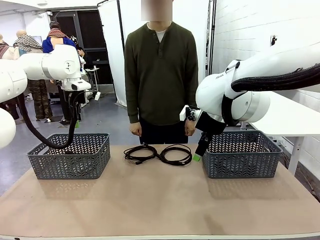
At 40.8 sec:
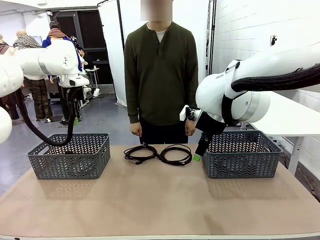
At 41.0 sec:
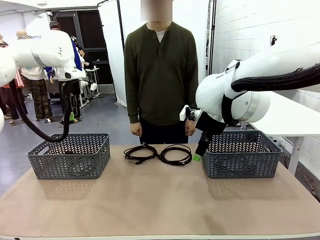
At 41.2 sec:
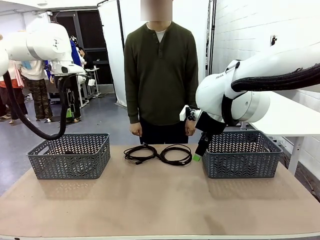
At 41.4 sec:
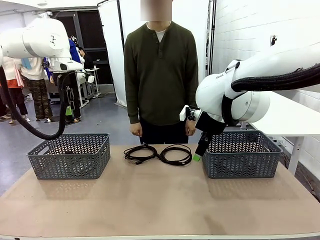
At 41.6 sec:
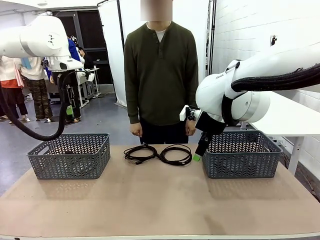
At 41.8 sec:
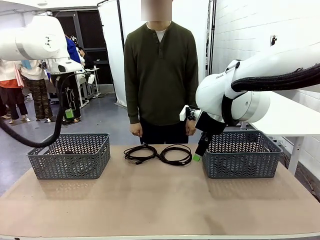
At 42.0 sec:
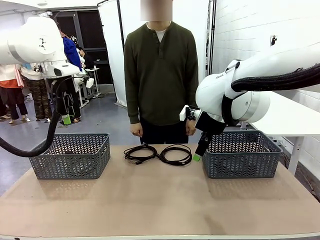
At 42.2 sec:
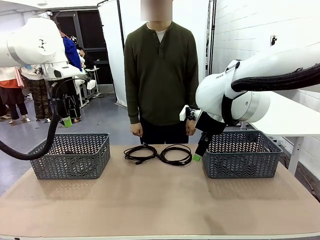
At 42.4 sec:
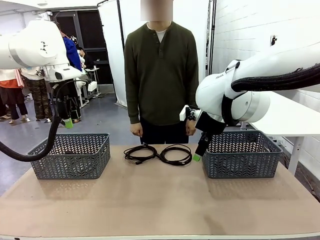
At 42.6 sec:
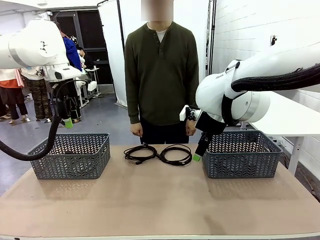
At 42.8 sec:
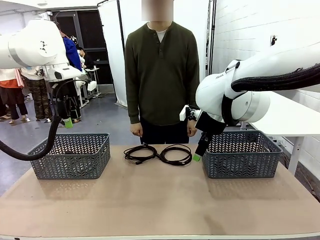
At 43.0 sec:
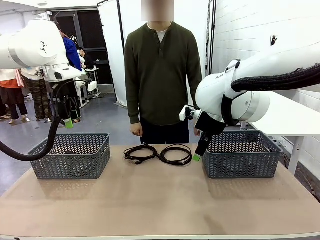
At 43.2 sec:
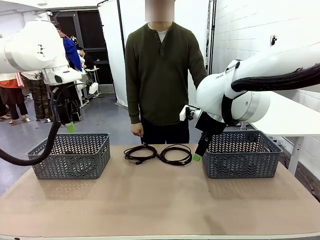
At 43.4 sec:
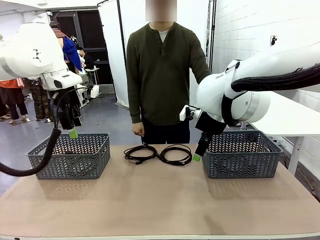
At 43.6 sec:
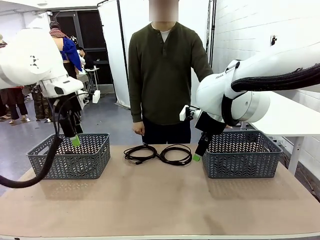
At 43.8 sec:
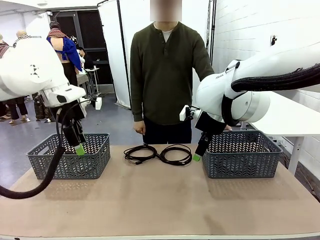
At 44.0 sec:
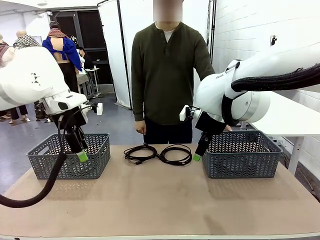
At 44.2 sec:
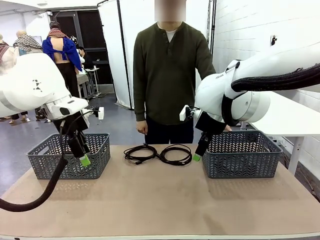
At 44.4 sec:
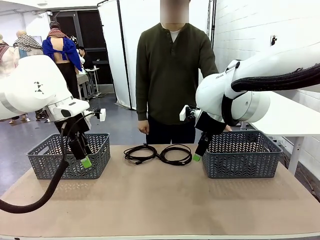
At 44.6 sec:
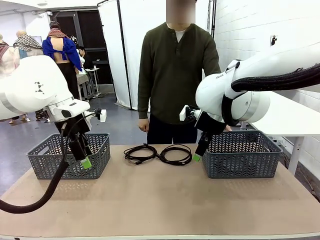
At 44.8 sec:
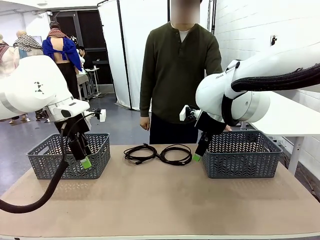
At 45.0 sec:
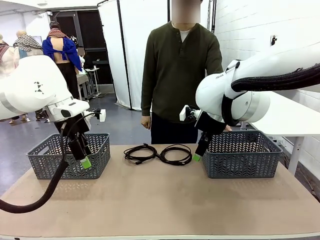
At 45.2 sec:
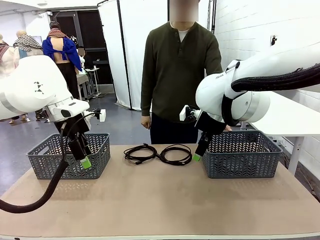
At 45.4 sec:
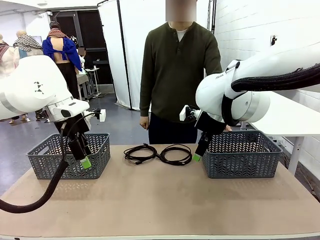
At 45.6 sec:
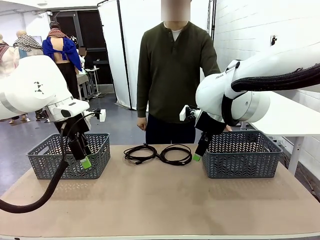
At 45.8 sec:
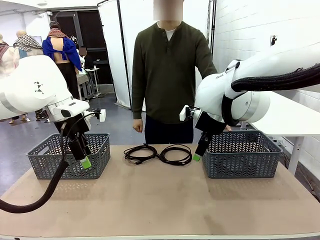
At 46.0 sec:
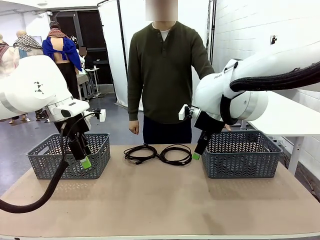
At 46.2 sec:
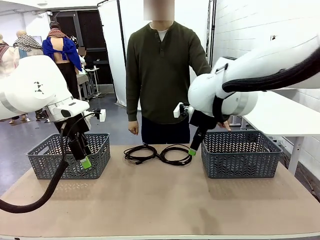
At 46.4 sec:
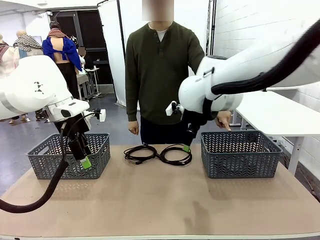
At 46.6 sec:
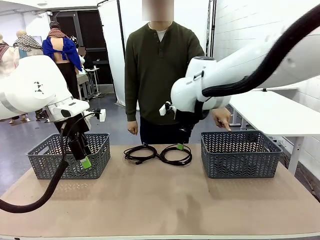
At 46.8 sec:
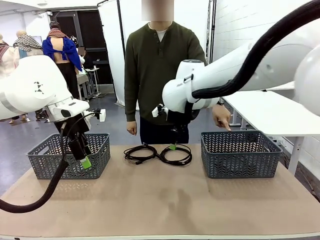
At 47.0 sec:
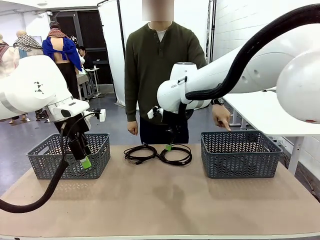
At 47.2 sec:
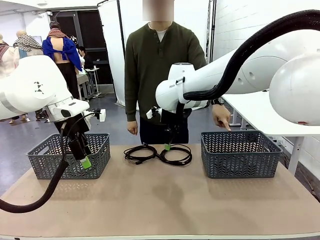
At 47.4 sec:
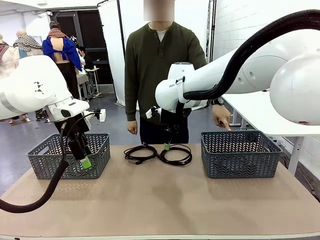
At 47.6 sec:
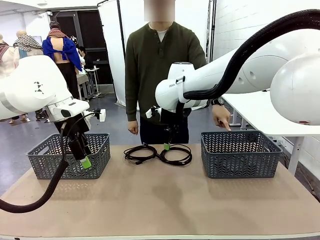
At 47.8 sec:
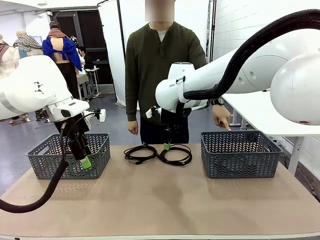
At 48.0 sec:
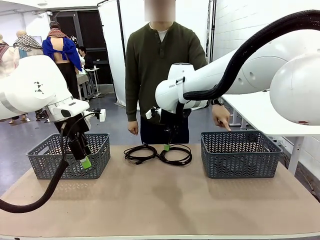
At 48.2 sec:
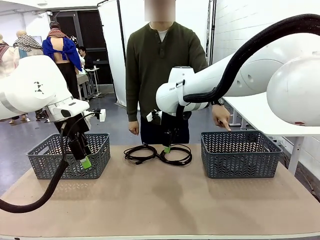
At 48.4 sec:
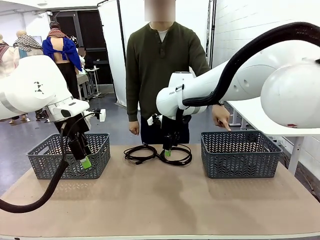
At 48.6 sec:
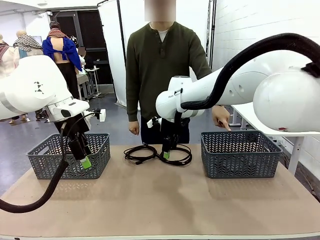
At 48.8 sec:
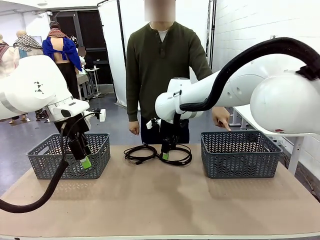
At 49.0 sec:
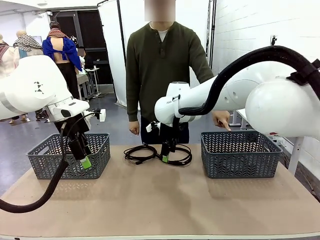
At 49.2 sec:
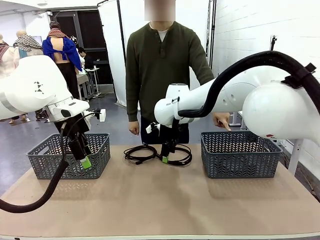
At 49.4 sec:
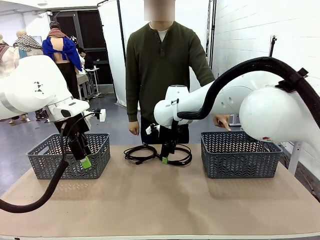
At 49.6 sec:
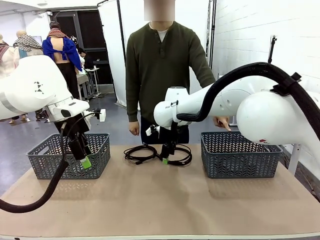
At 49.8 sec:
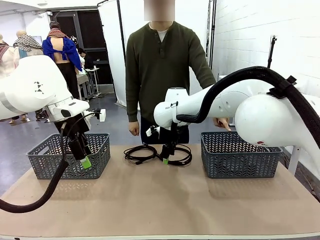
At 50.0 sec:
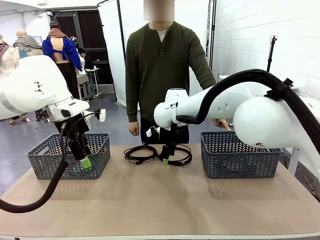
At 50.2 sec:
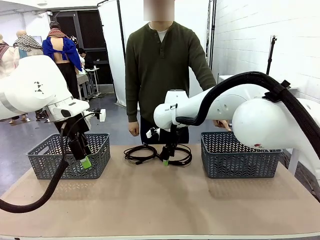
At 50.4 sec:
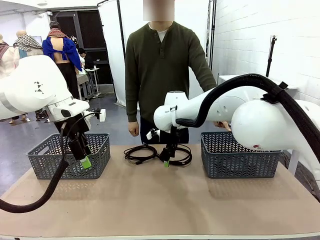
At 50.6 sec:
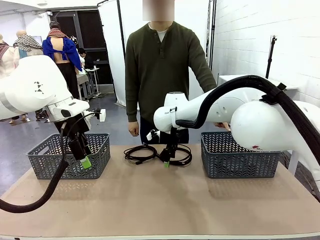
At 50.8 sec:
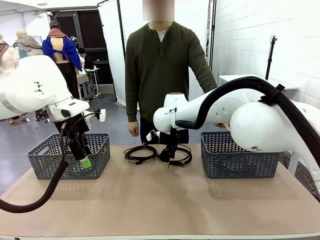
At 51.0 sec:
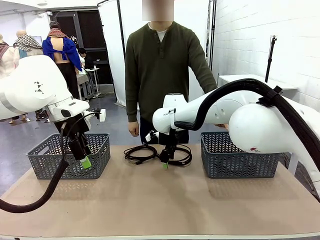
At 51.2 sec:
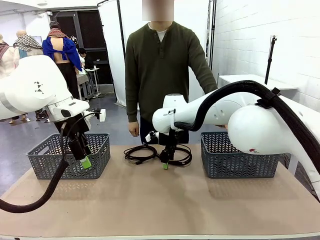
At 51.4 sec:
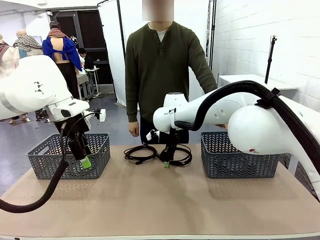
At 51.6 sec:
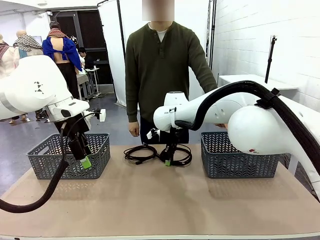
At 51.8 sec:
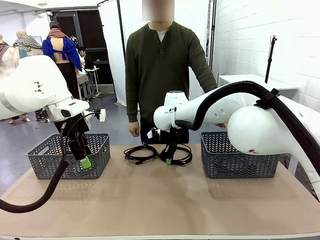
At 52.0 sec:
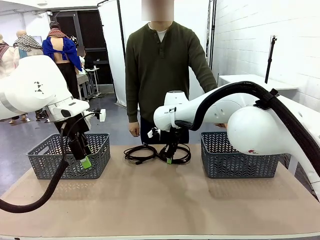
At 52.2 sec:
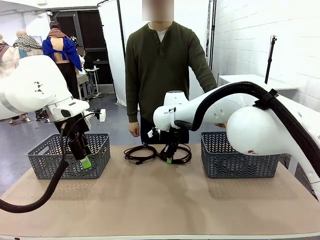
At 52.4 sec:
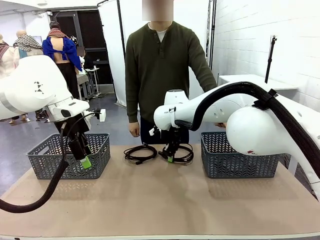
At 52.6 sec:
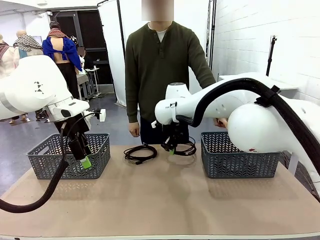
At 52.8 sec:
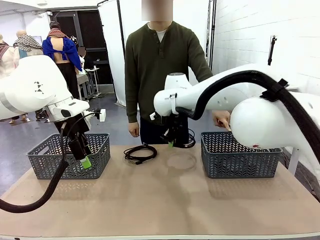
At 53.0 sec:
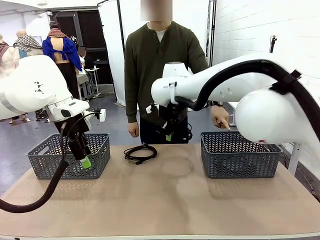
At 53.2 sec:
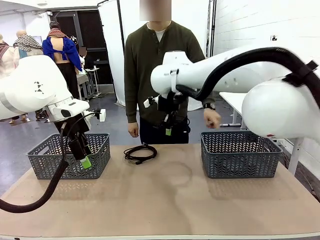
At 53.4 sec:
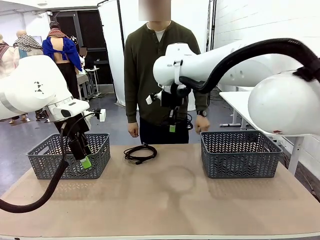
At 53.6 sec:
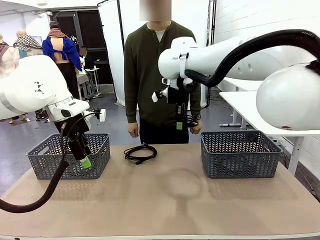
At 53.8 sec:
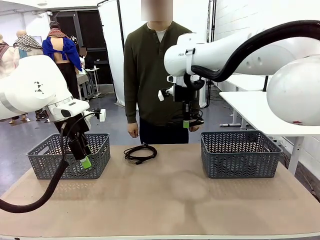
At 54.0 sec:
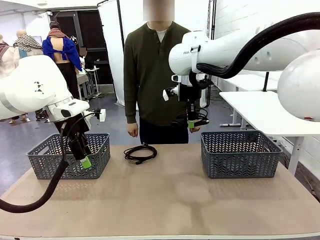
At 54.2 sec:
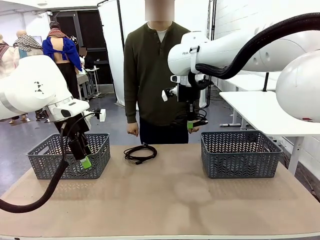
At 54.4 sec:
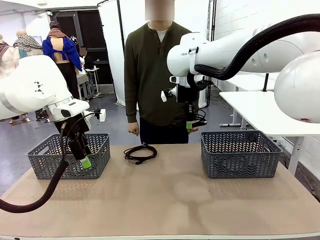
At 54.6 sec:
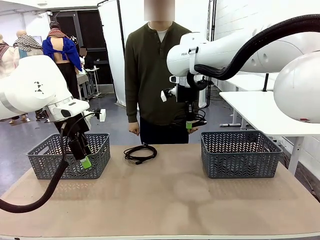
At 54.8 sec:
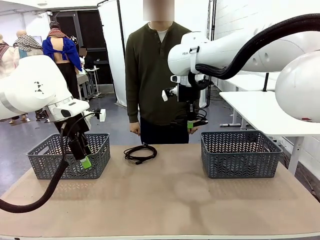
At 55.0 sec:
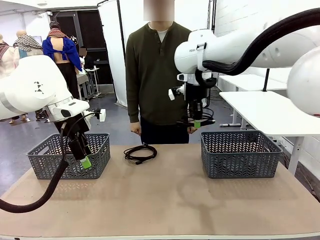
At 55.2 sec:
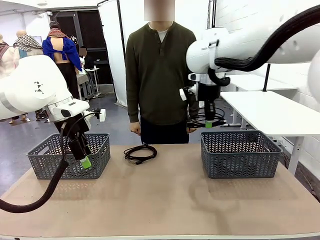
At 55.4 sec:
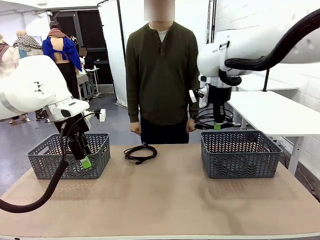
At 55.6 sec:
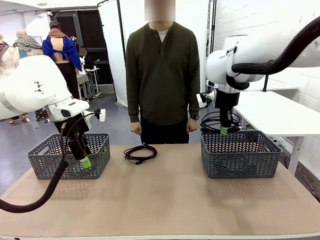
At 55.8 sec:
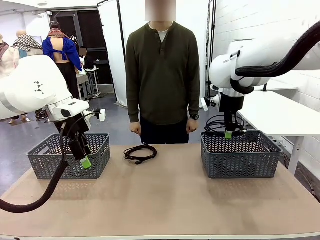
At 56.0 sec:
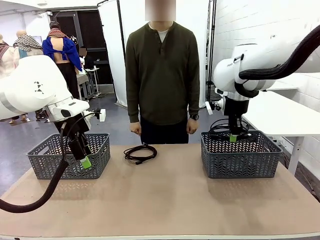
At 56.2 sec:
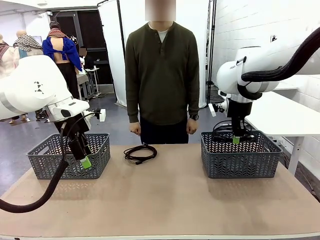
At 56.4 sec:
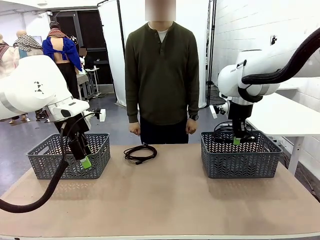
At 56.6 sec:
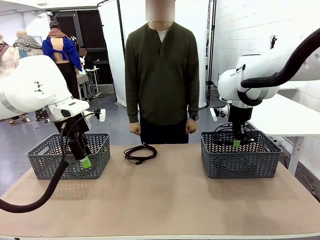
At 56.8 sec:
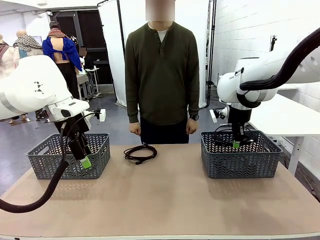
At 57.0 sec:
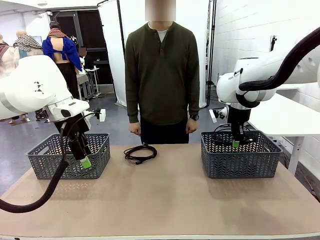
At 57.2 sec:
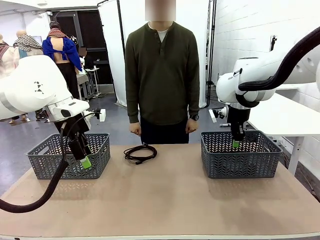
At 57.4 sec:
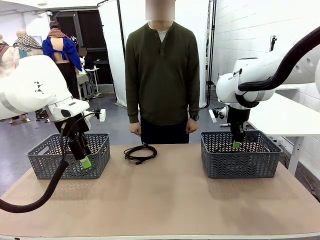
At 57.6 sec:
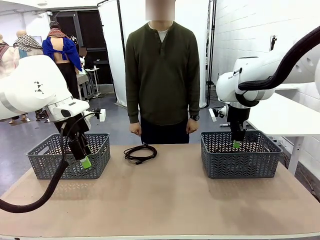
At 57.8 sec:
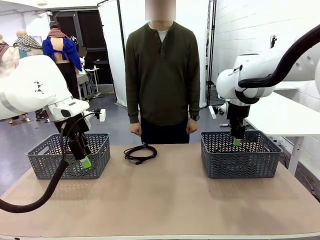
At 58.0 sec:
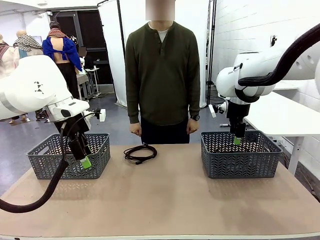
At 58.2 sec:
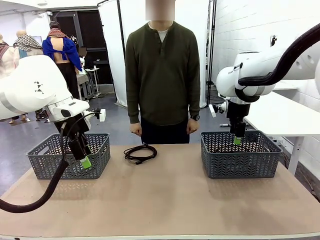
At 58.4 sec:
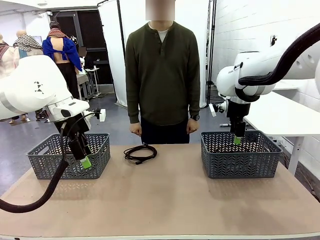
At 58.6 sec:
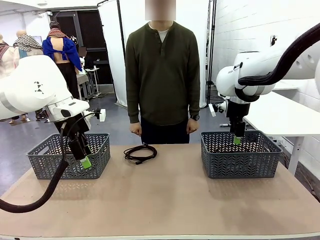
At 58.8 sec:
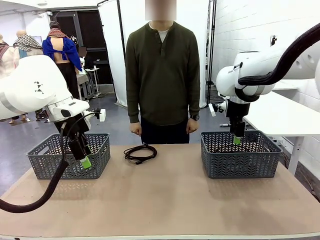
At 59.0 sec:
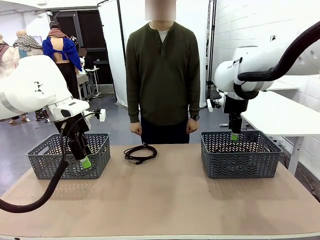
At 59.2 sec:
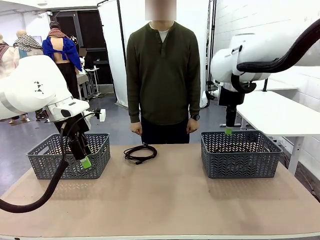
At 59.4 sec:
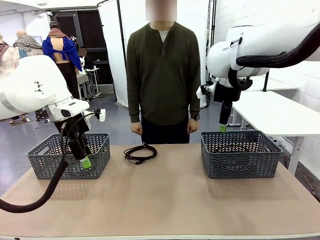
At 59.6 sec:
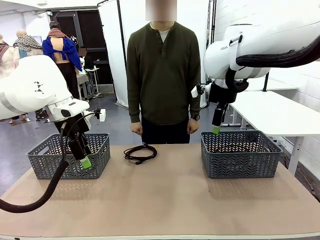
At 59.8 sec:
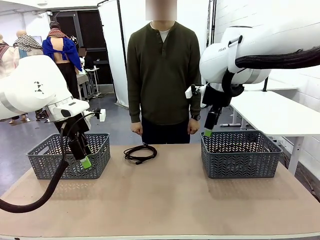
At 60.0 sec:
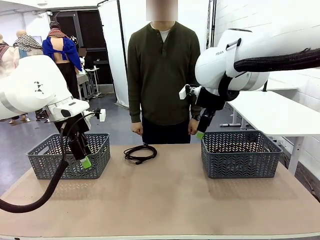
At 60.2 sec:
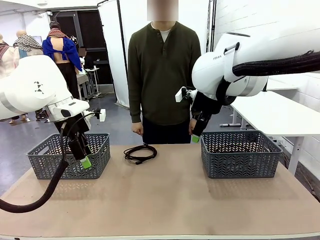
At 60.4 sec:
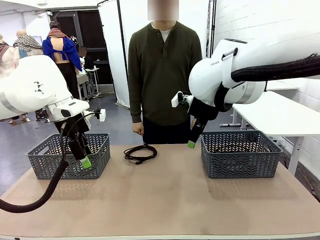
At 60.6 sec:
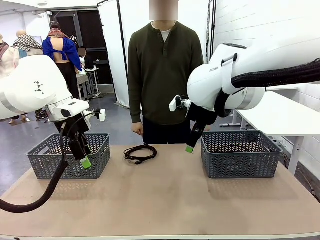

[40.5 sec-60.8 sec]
Task: Organize the cables according to human instructions.
Robot: Pick up a bundle of cables and place it in the basket indicated by the human.
